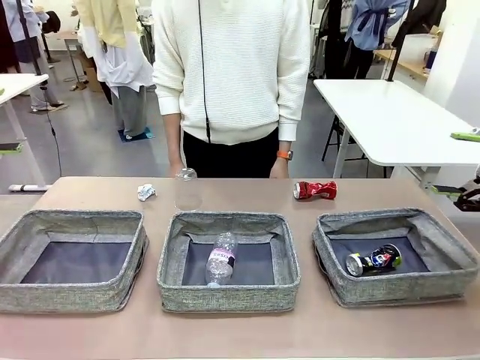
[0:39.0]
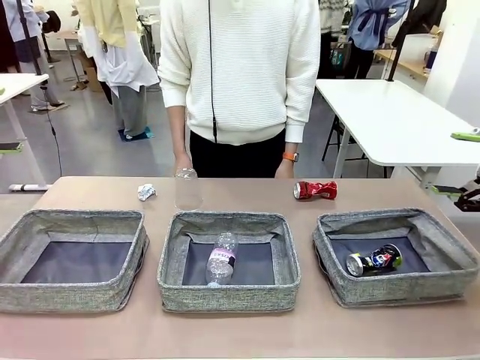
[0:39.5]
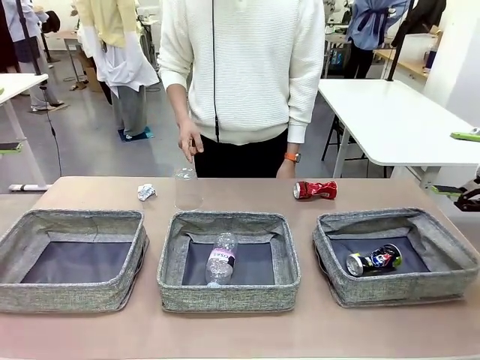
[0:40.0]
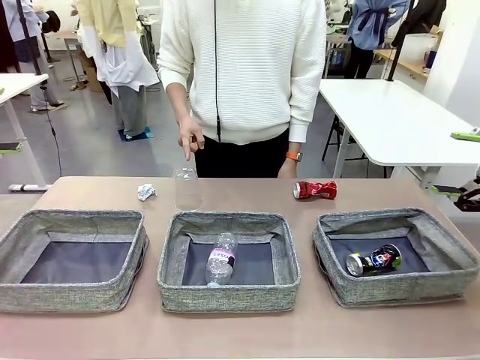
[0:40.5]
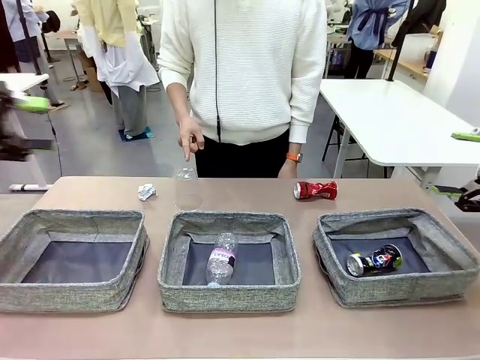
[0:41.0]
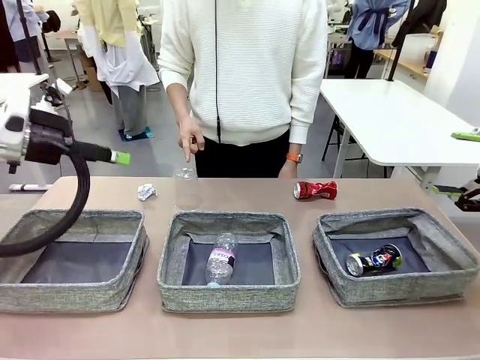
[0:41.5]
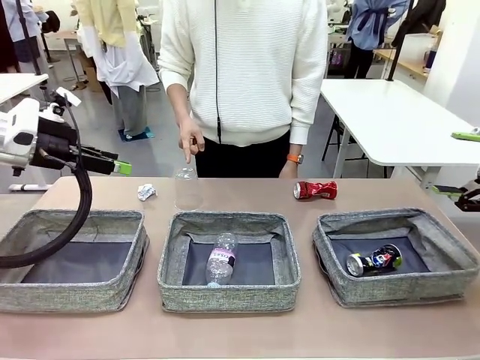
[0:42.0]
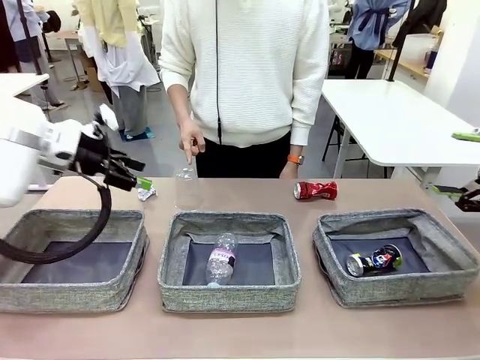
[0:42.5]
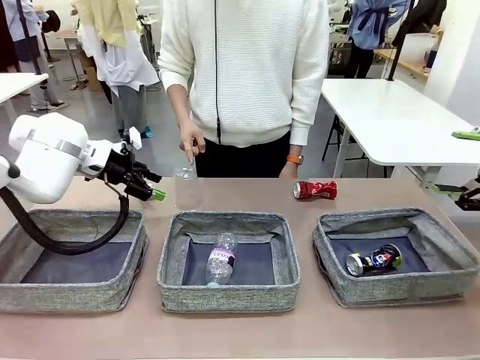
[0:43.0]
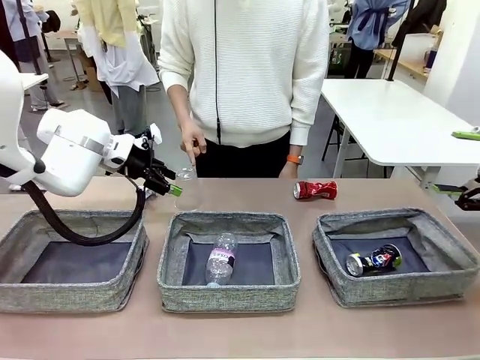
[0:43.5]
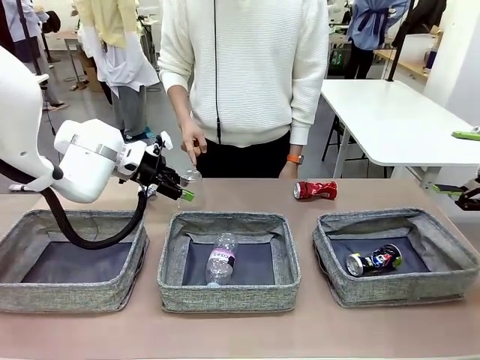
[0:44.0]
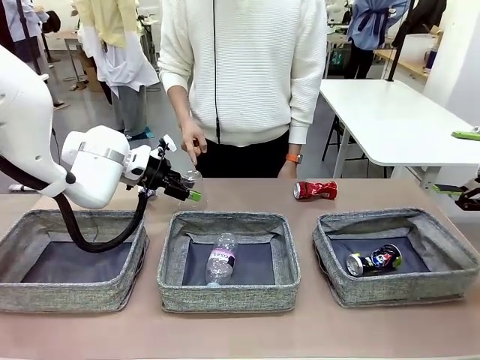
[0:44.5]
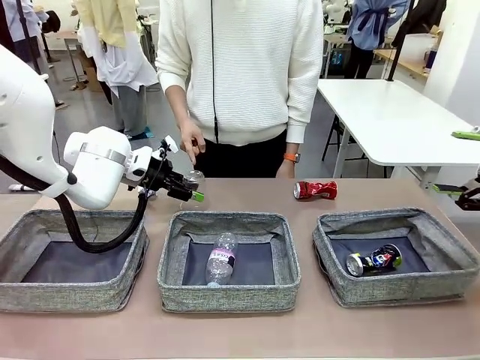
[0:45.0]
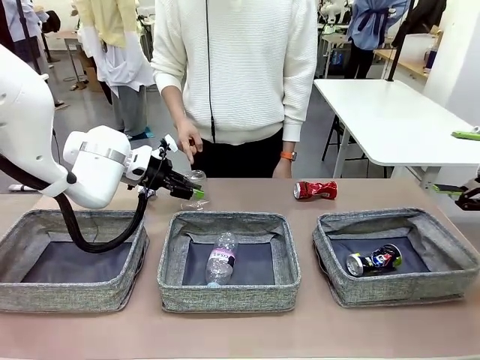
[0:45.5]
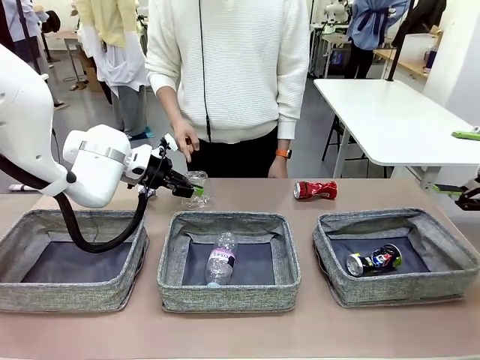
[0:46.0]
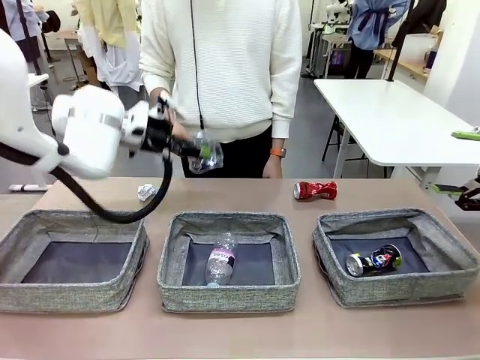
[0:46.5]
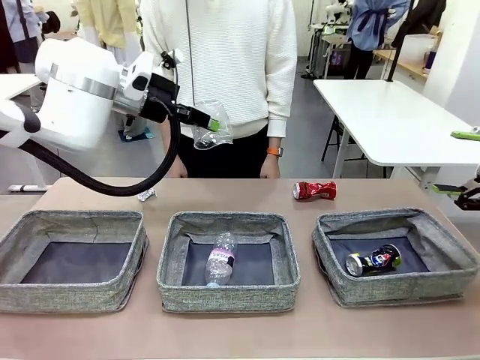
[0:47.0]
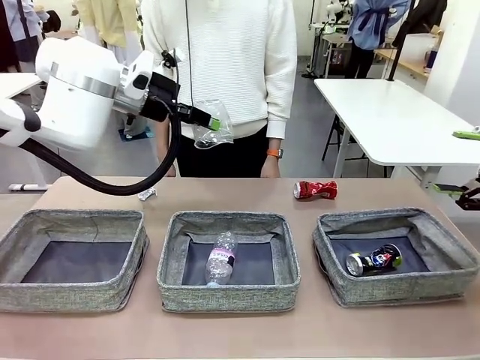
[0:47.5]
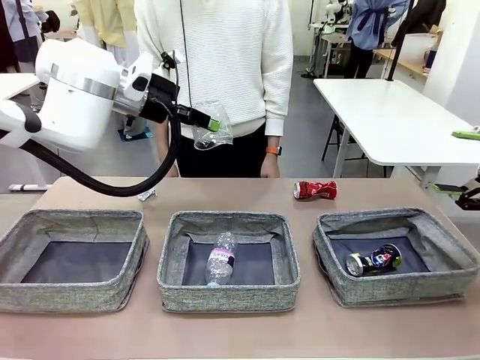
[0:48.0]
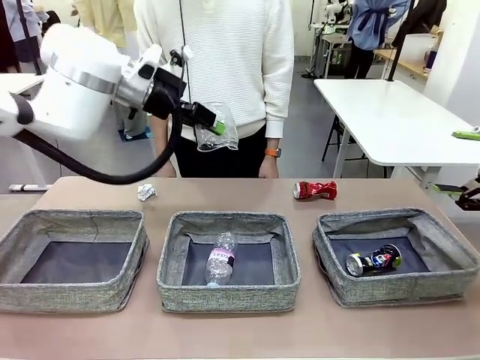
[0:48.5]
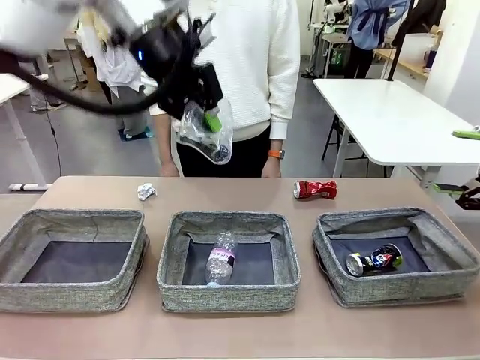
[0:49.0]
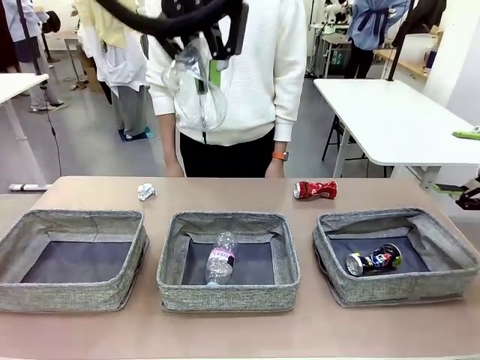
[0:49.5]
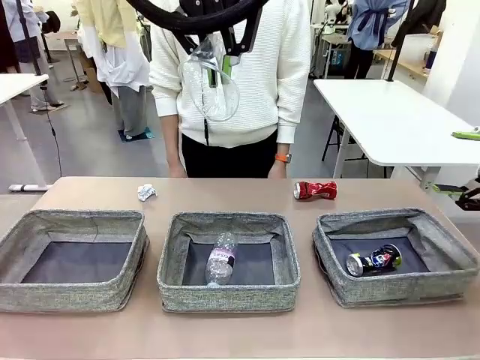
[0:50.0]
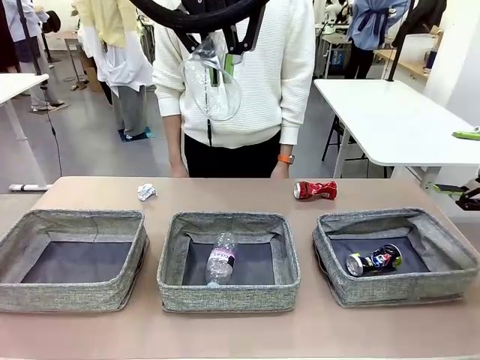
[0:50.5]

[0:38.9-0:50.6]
Task: Sort the waste into the appropriate baskets.
Robot: Pick up the waste item pointed out by the person.
Person: Points to one piece of trash on the table.

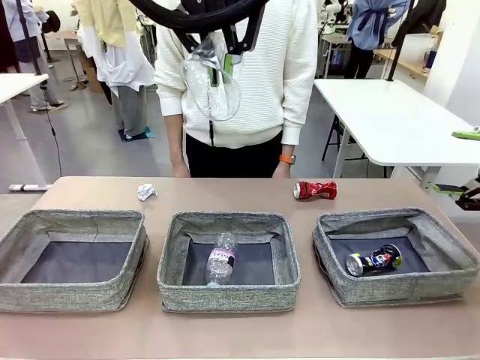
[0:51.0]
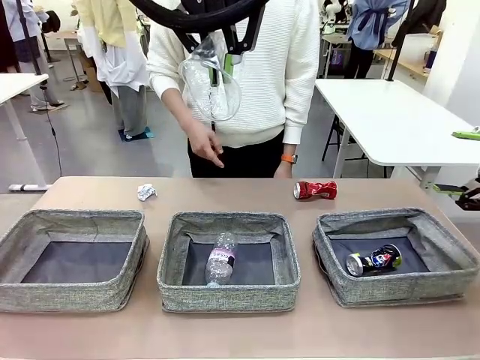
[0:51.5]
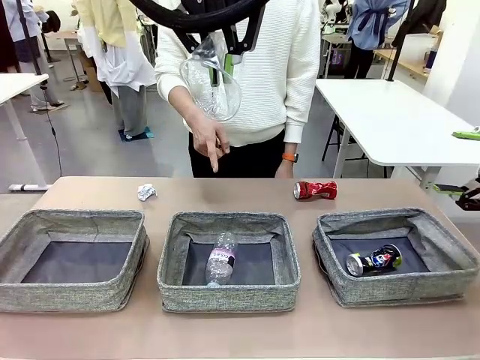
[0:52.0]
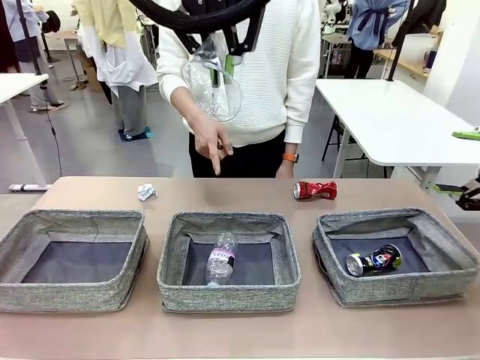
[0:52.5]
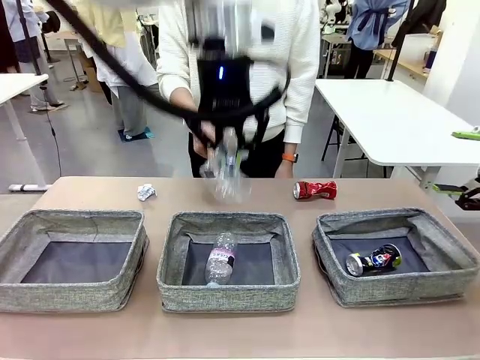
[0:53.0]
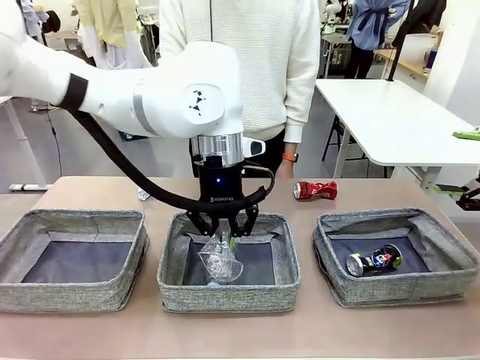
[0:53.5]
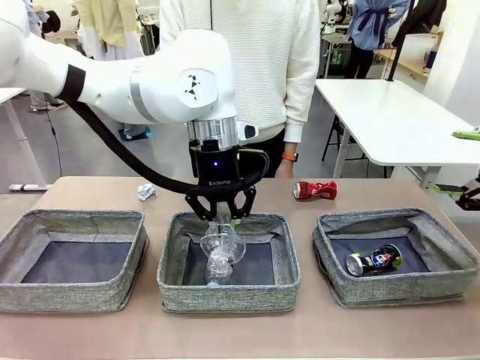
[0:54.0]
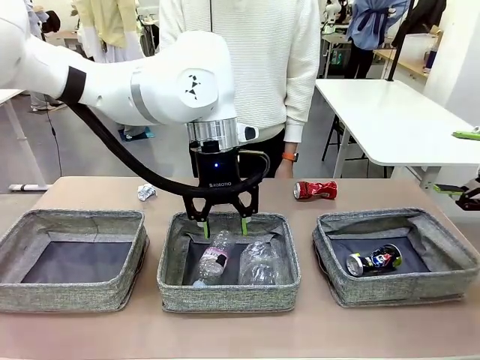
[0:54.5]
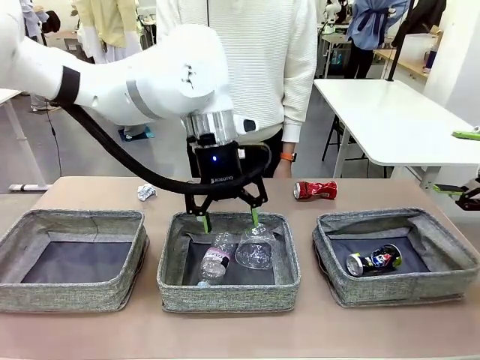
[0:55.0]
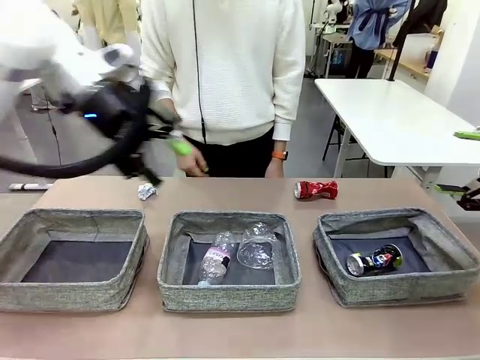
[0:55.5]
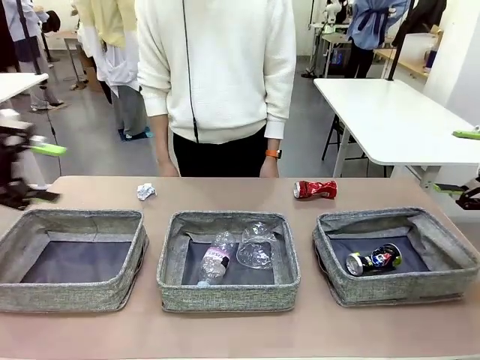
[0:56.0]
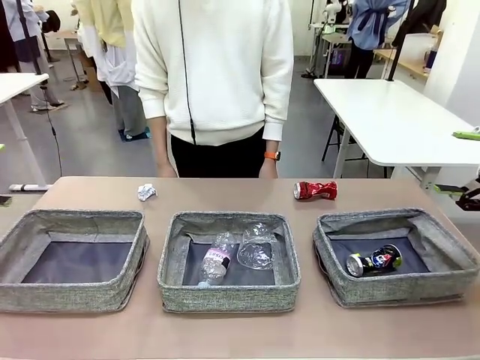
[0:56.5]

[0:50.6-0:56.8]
Robot: Place the picked waste into the Fabric basket indicated by the person.
Person: Instructs the robot to place the picked-up trash into the appropriate organizing basket.

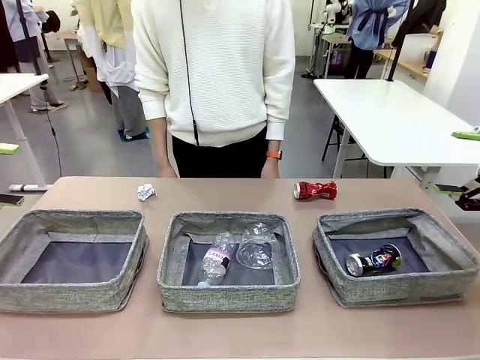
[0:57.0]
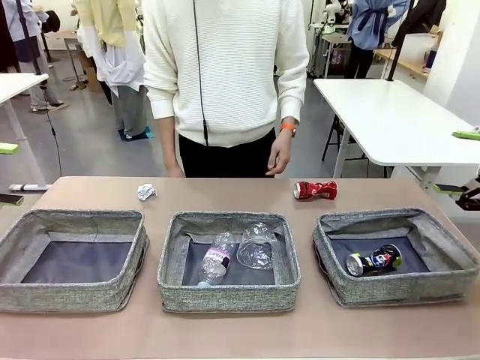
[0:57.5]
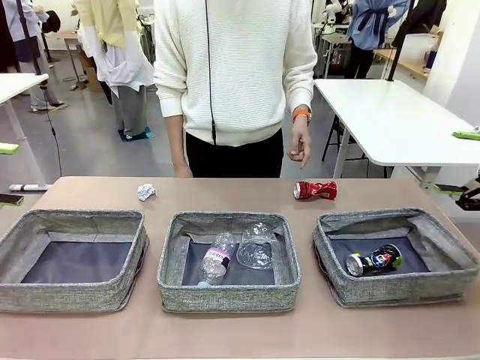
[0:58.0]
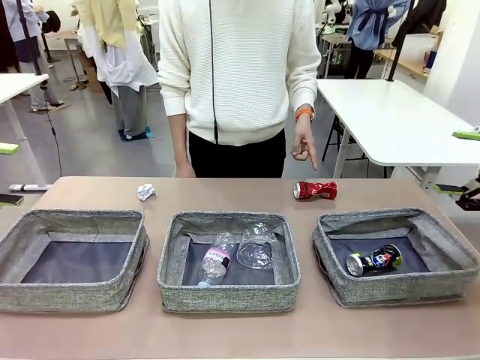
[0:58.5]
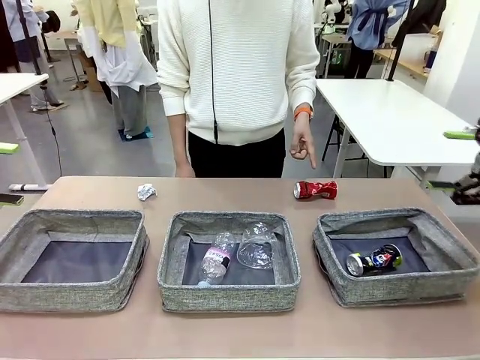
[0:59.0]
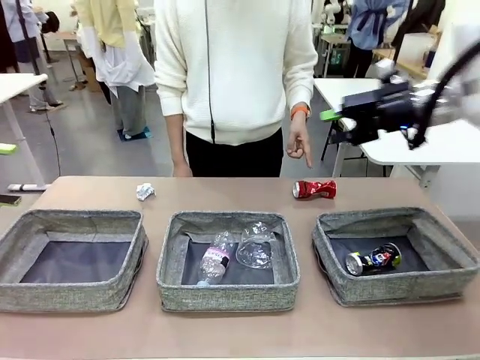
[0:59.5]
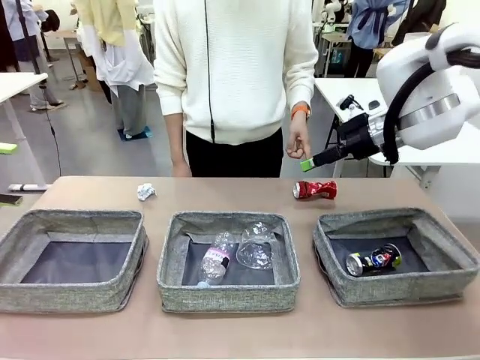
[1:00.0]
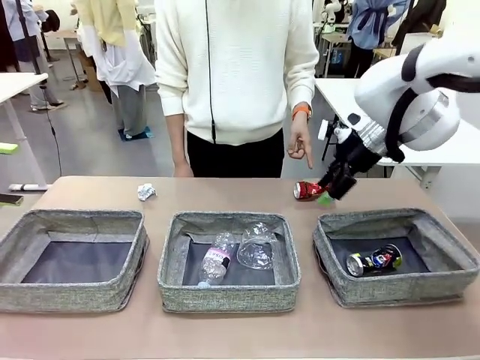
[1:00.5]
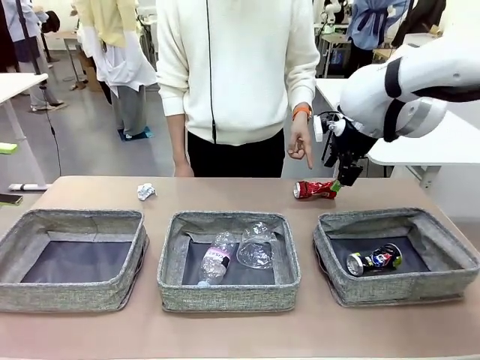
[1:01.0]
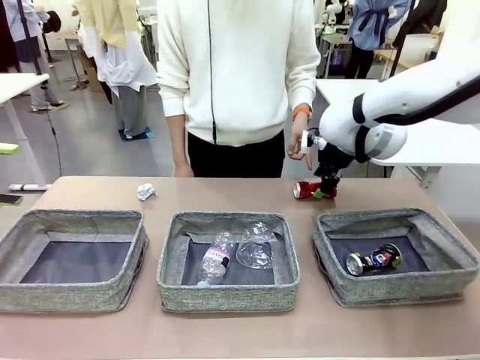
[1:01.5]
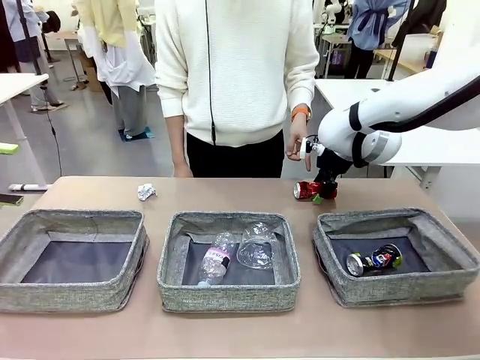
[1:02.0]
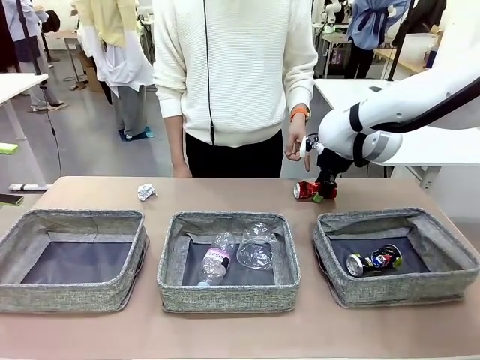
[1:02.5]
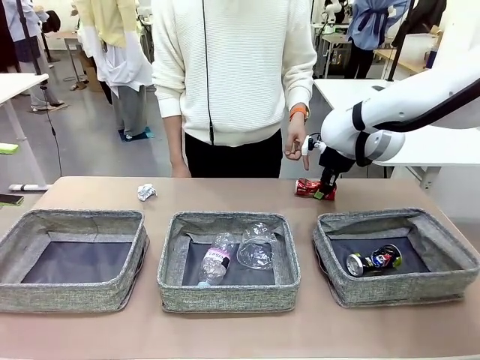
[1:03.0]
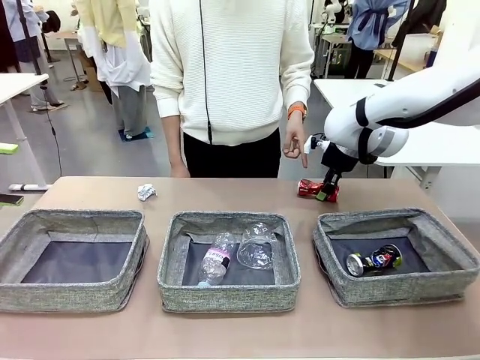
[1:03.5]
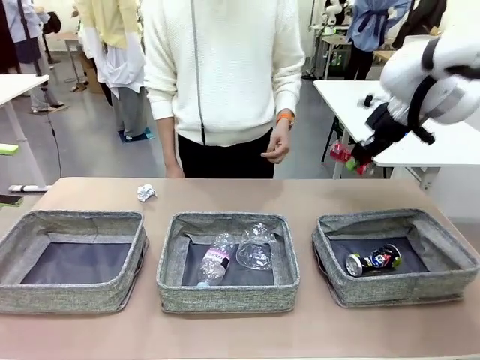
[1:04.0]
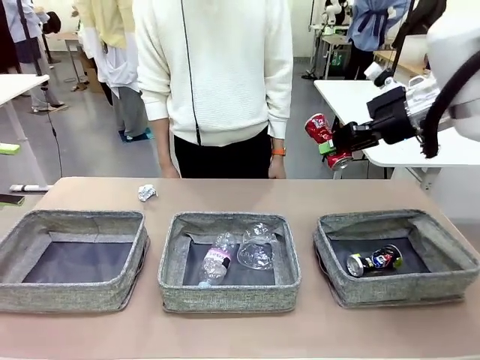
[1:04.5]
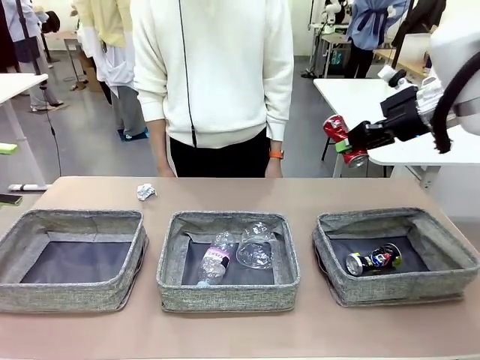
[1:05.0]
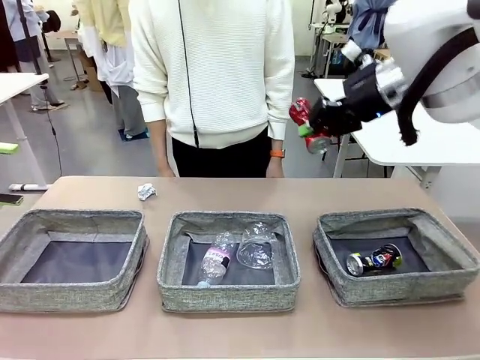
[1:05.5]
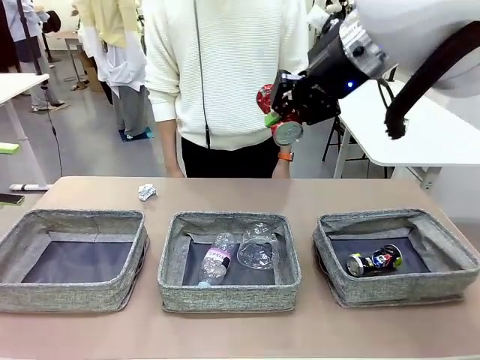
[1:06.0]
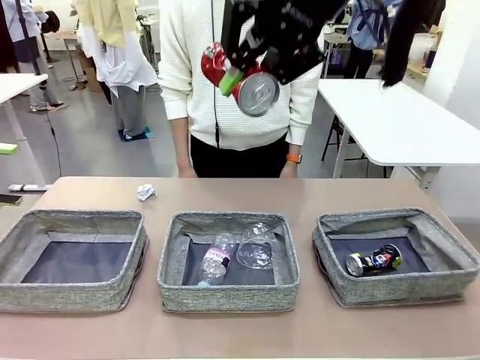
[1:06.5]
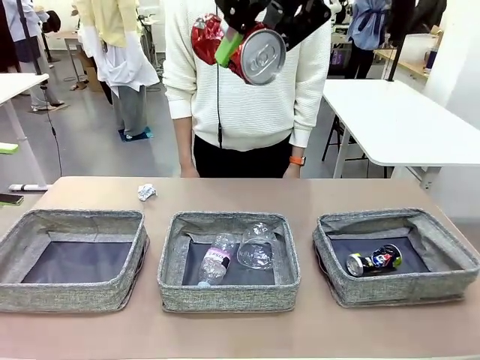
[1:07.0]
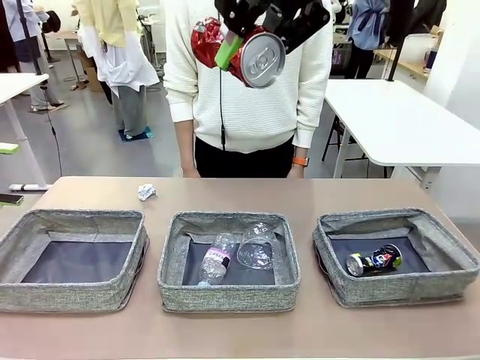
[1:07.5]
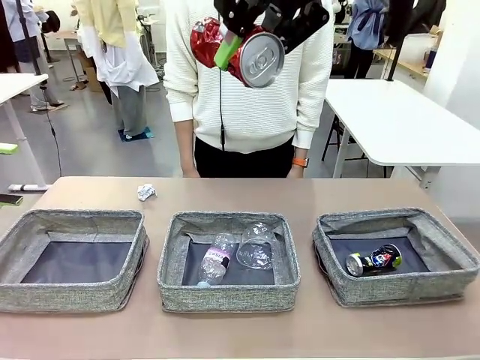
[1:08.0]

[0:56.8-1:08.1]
Robot: Pick up the waste item pointed out by the person.
Person: Points to one piece of trash on the table.
